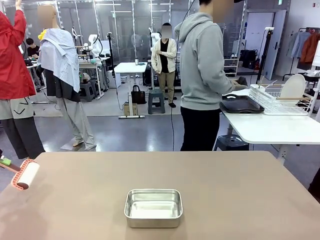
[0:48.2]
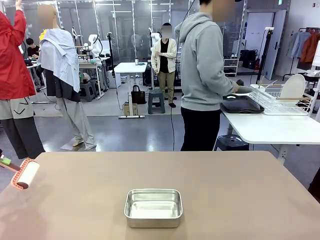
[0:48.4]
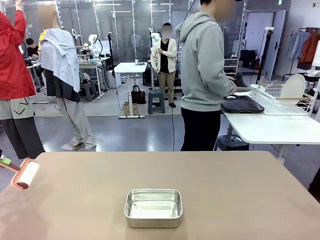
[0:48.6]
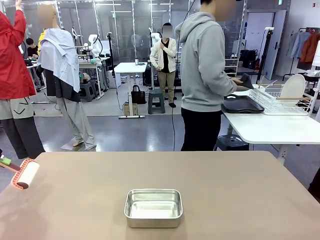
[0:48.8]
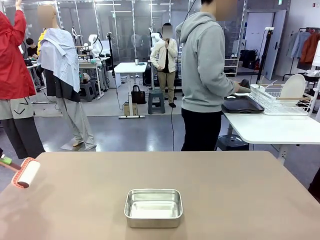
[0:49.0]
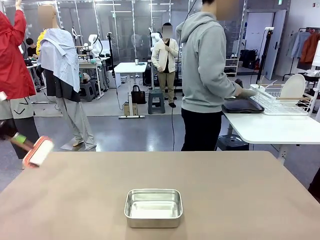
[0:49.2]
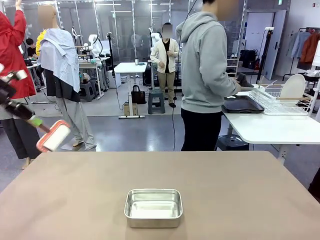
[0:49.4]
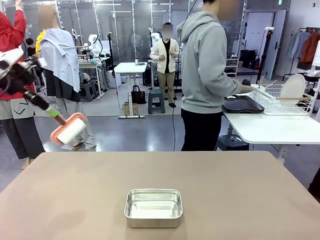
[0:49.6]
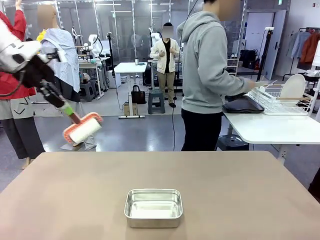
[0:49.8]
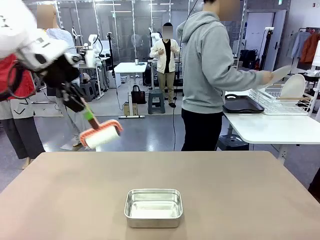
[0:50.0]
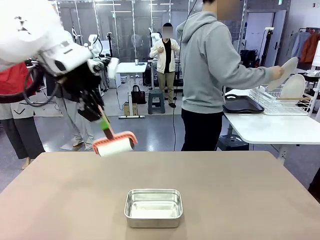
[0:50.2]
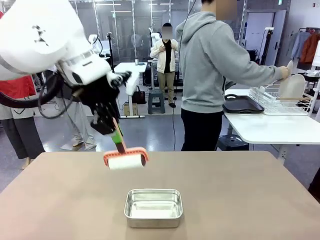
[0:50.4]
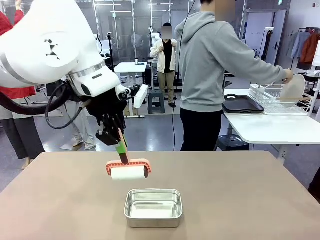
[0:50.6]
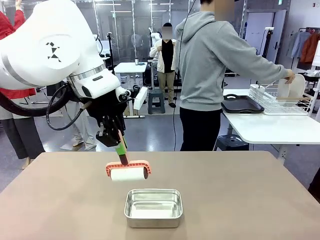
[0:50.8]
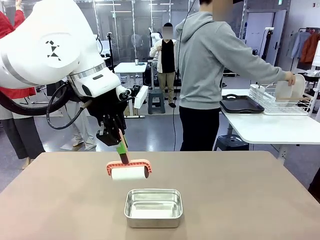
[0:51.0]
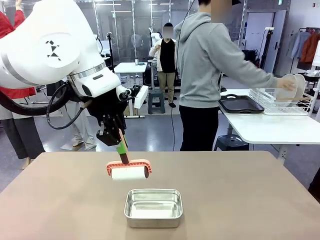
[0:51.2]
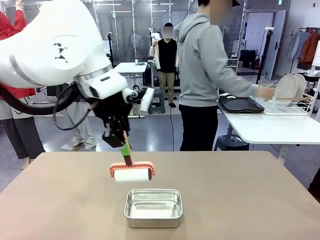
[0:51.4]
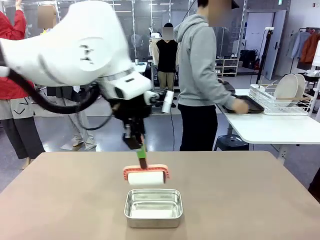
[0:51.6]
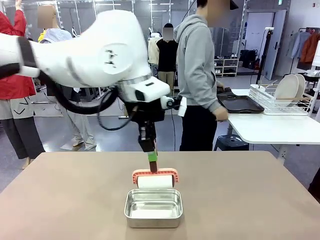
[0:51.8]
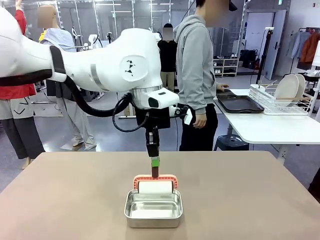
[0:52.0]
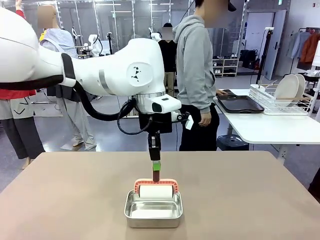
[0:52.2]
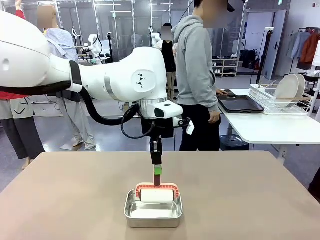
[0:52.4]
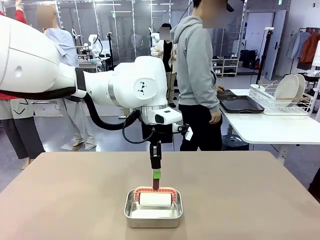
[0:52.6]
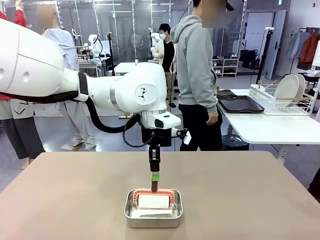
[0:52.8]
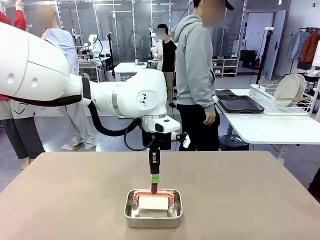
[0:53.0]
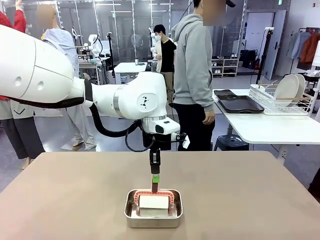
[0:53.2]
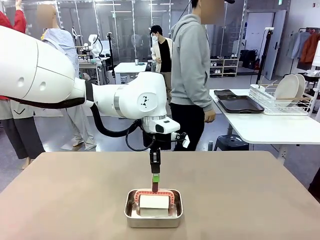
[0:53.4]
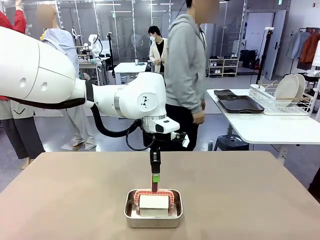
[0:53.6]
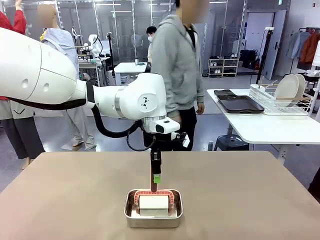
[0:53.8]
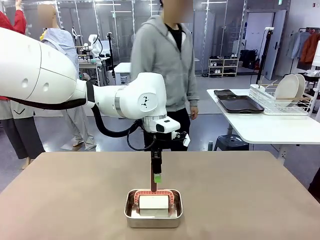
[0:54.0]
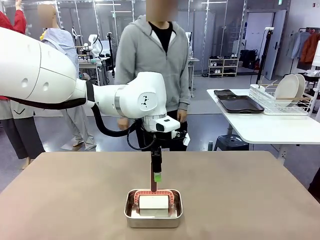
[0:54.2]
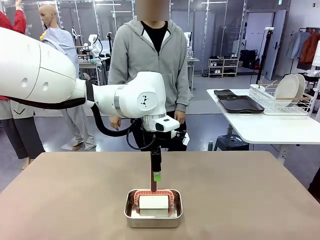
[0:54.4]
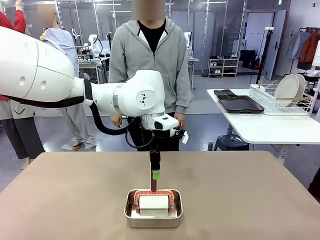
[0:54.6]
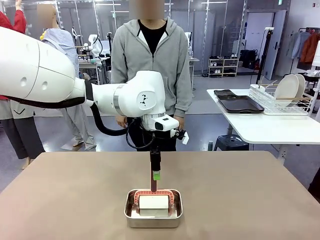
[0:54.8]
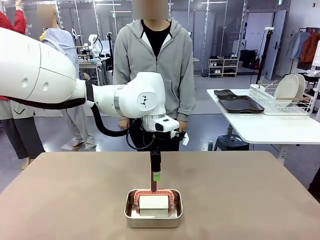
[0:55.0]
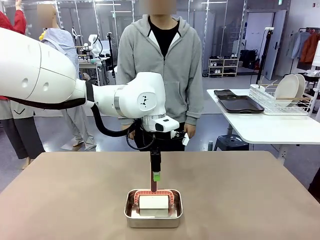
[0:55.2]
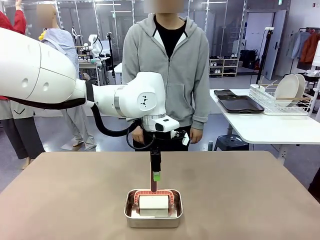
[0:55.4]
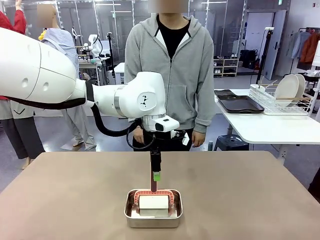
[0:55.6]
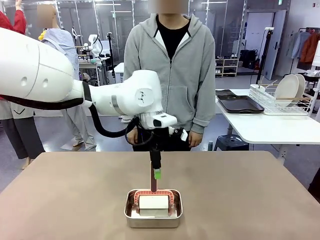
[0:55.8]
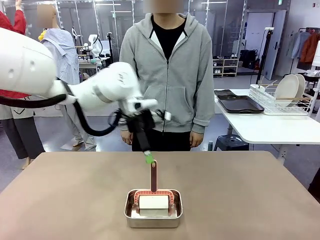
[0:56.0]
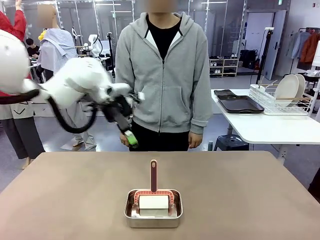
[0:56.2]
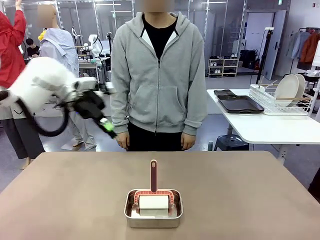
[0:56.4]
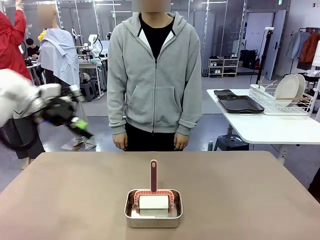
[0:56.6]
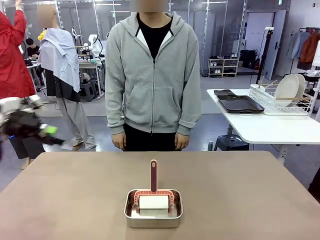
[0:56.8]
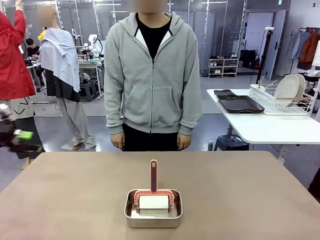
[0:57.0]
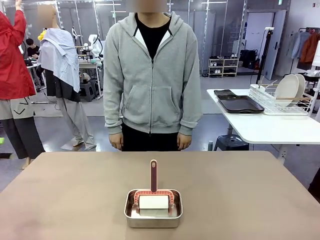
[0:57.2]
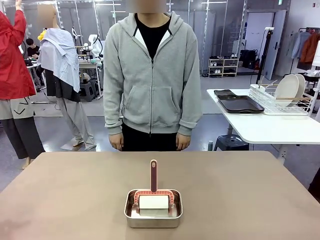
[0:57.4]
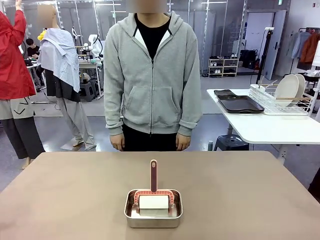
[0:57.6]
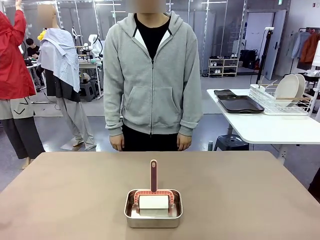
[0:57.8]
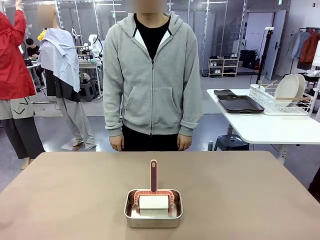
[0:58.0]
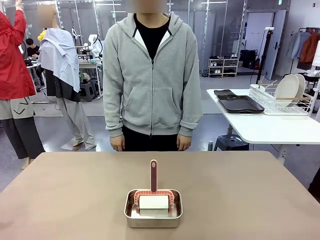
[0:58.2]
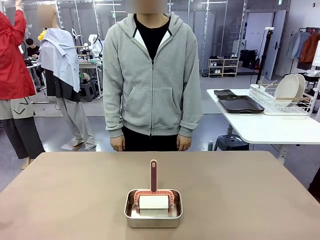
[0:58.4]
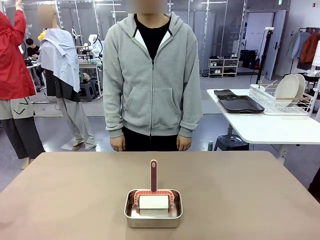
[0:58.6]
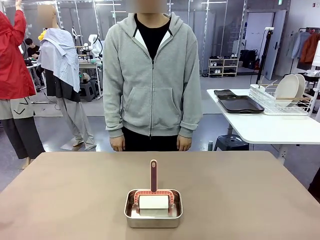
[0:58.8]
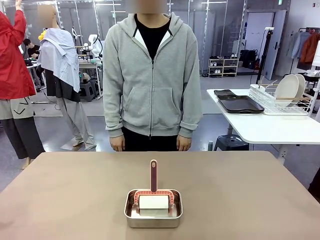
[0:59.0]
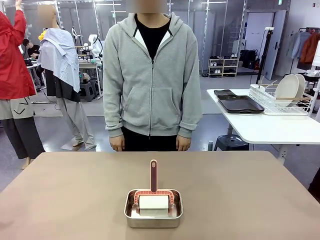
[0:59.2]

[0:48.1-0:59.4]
Robot: Place the Lint Roller back on top of the Airtight Container.
Person: Use the Towel with hook to wipe the Plastic Matte Plate , Fork , and Knife and place into the Dish drying rack.

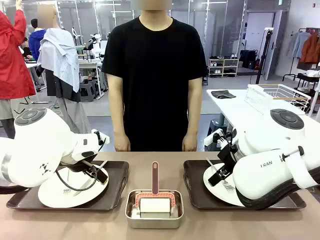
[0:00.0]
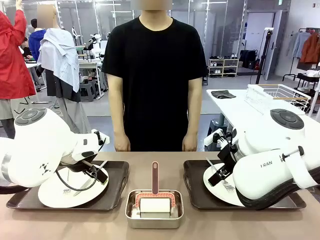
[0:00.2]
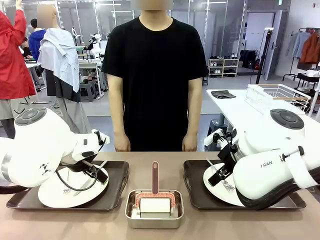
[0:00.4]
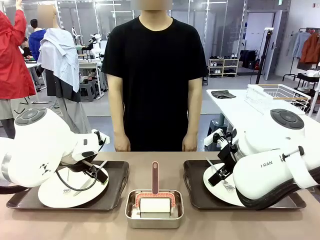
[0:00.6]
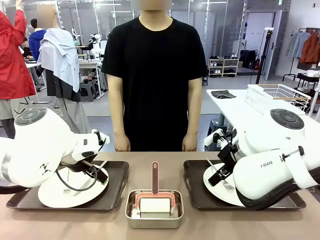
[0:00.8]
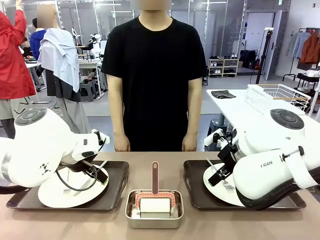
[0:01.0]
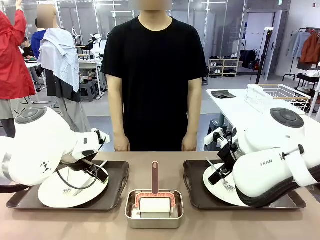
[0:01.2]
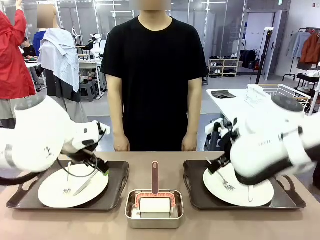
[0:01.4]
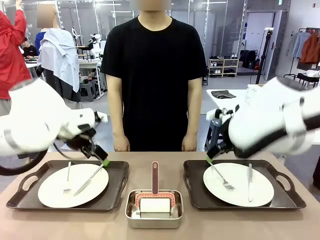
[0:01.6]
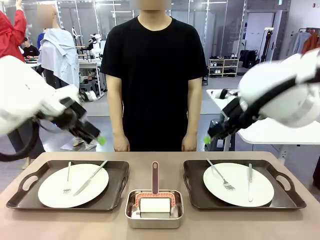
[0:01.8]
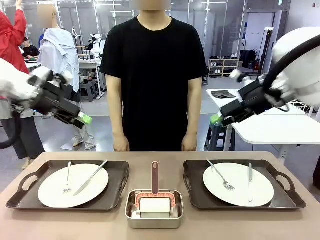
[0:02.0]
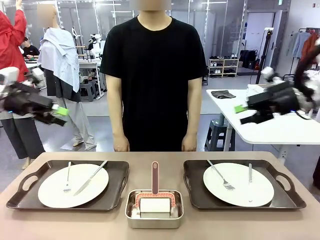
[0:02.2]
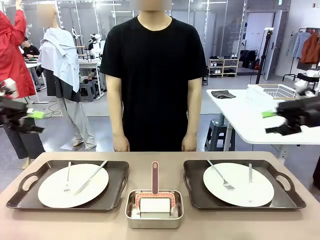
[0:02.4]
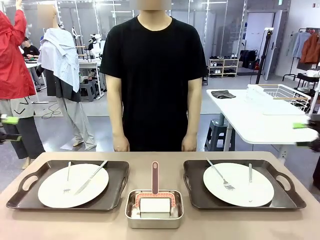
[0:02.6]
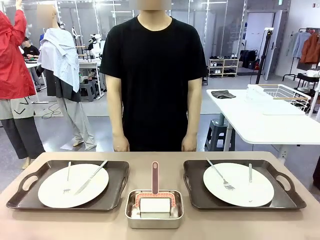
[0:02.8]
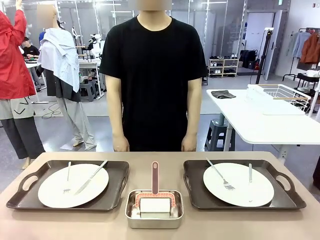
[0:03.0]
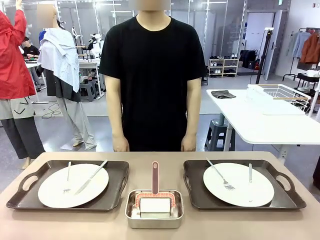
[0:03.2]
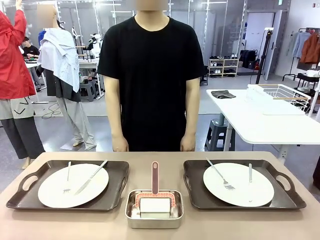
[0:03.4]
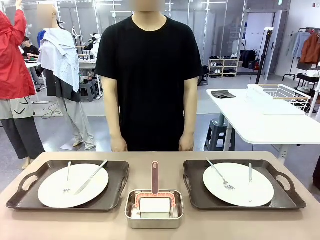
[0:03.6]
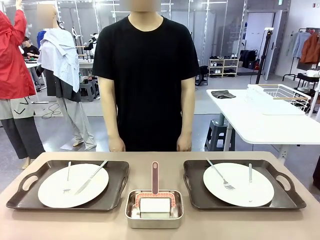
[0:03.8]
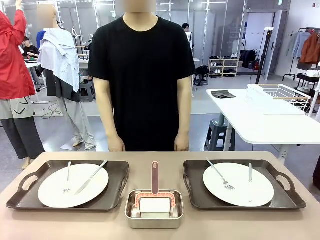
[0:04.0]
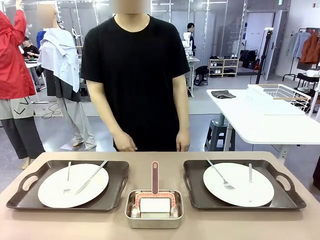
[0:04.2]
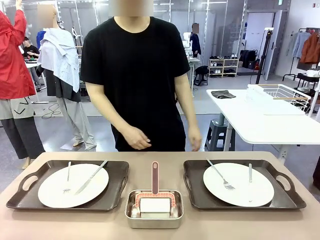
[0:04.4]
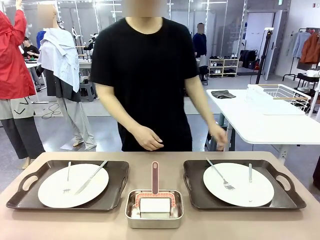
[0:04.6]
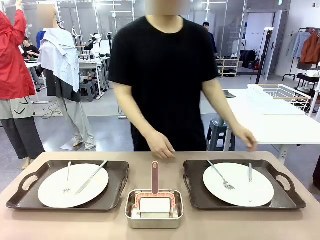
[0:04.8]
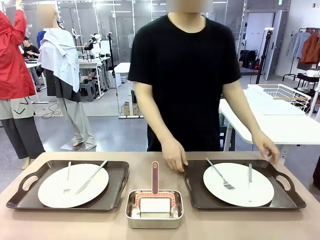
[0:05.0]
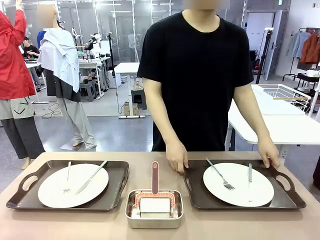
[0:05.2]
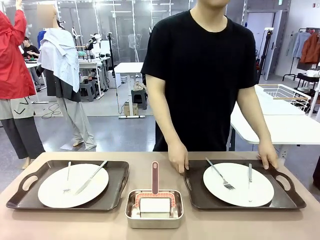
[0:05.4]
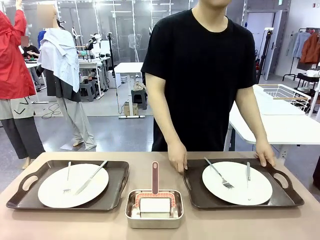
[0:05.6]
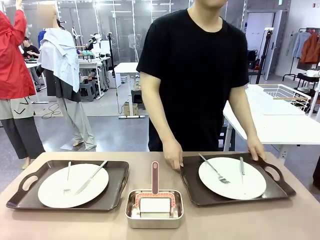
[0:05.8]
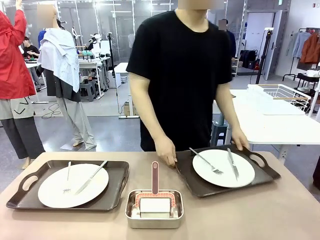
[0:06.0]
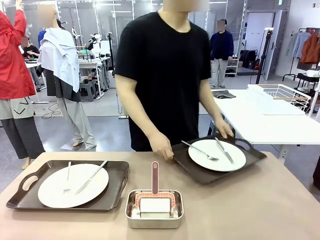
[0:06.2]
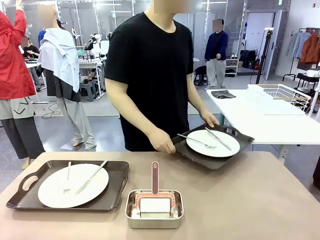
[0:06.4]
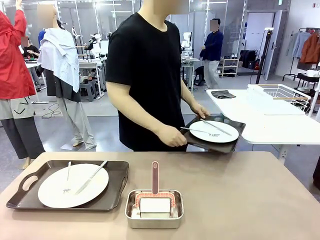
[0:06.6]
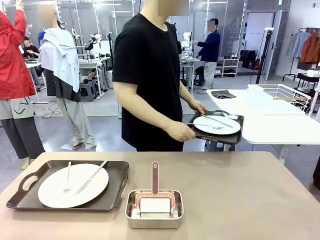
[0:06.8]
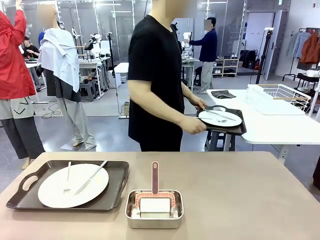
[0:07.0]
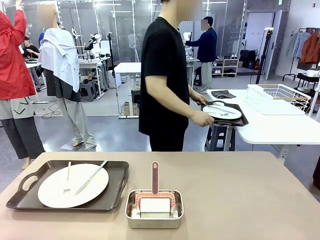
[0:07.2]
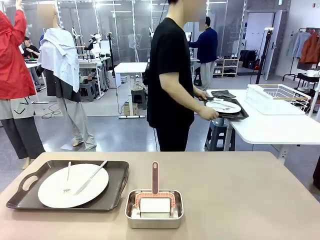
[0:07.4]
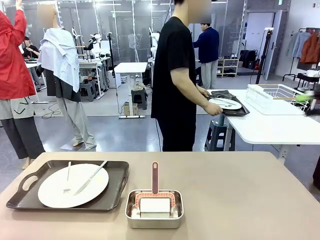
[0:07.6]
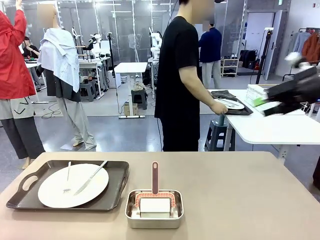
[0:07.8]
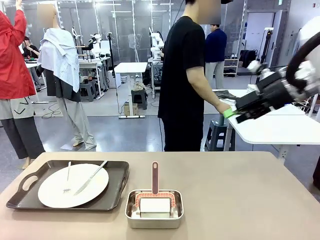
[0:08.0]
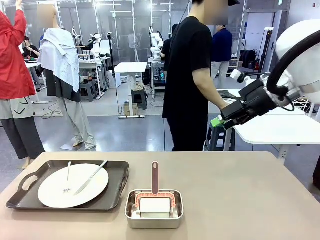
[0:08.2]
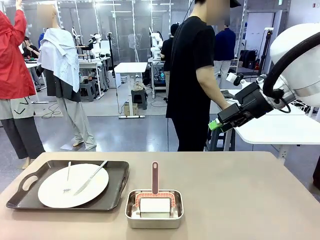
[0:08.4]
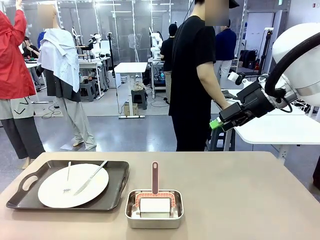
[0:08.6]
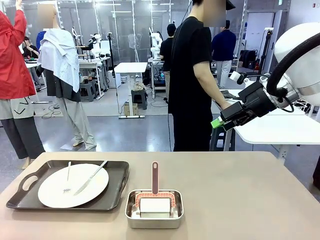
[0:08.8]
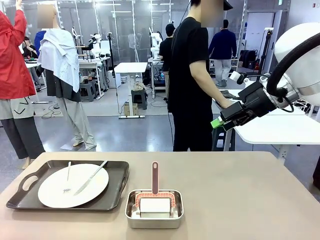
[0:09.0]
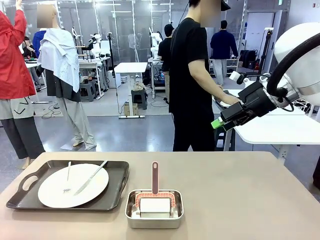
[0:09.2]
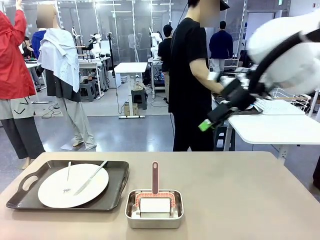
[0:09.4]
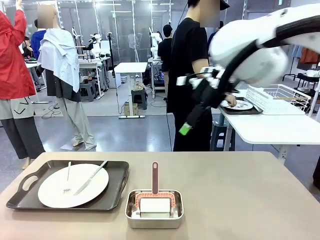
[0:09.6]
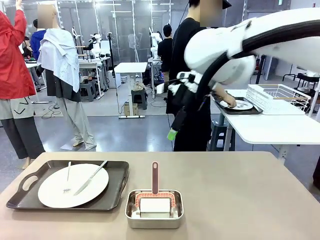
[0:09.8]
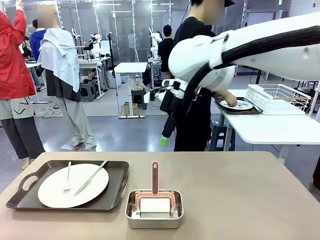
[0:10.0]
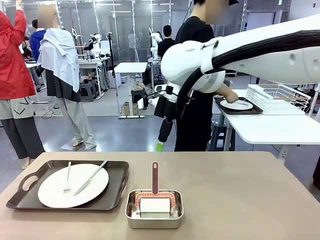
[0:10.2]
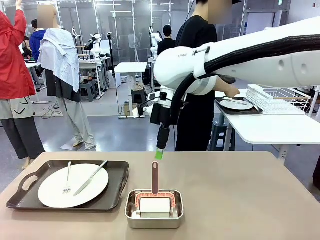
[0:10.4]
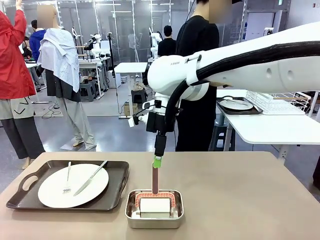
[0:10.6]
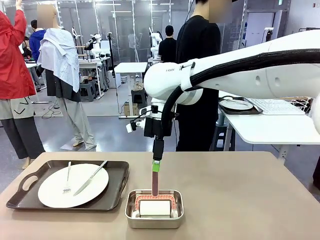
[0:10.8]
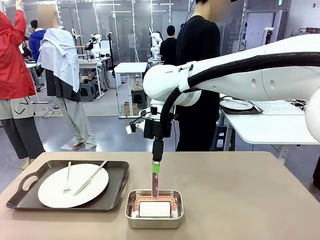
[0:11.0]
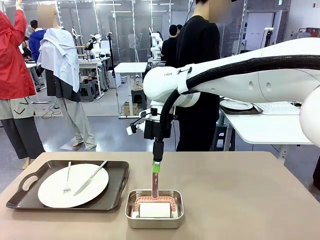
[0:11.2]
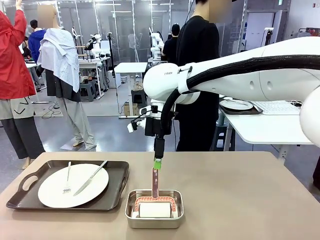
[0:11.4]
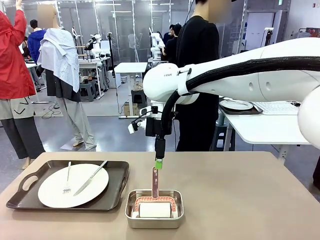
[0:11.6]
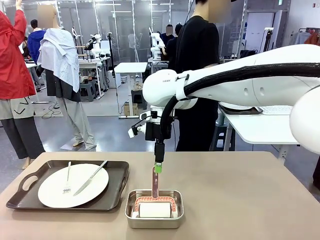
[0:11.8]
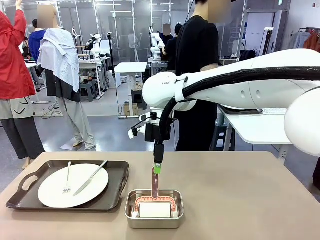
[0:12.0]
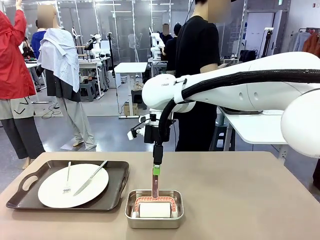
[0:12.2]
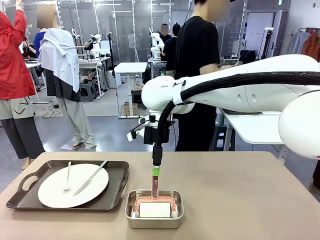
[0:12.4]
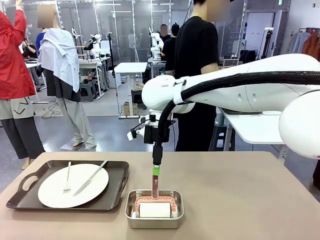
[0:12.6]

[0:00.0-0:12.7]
Robot: When the left (or right) Handle tray is removed, use the left hand (or right hand) to clean the left (or right) side of the table with the Lint Roller.
Person: Pick up the left (or right) Handle tray and place it on the middle of the Human's table.
